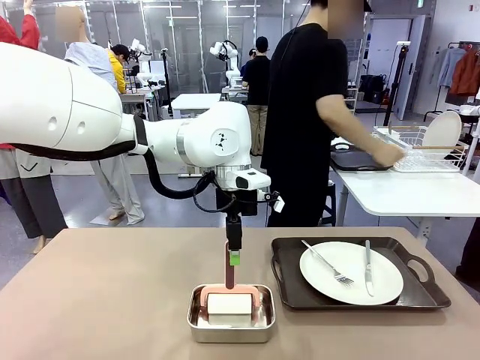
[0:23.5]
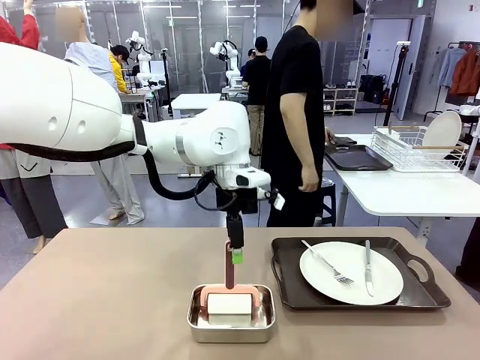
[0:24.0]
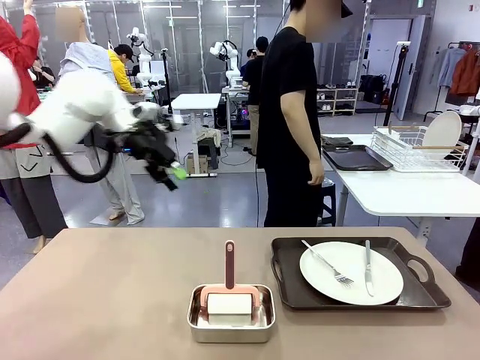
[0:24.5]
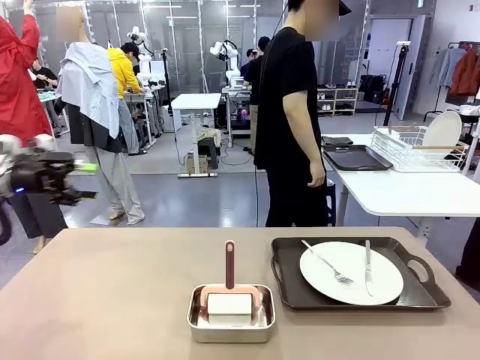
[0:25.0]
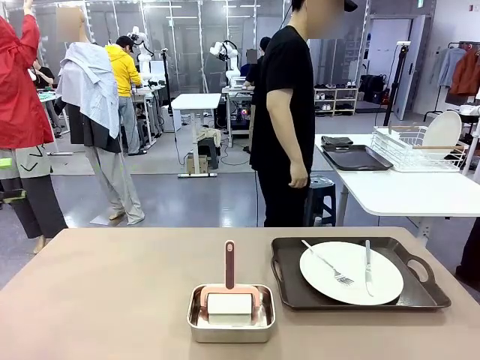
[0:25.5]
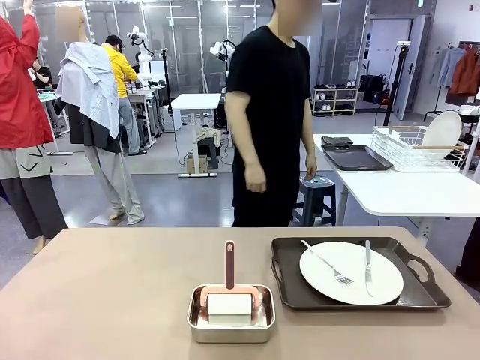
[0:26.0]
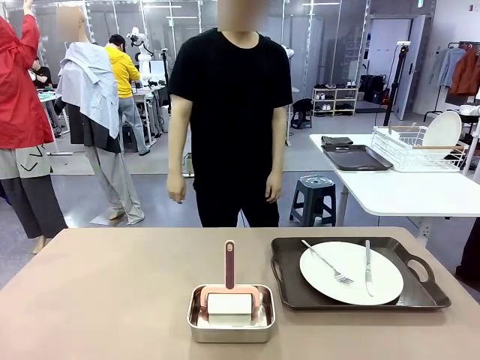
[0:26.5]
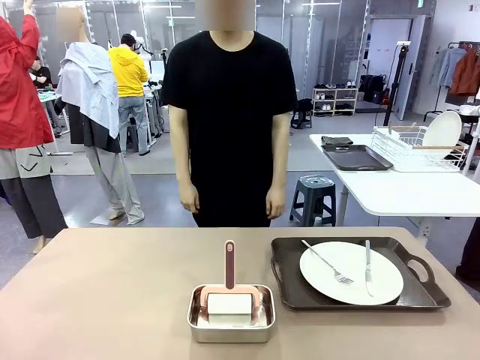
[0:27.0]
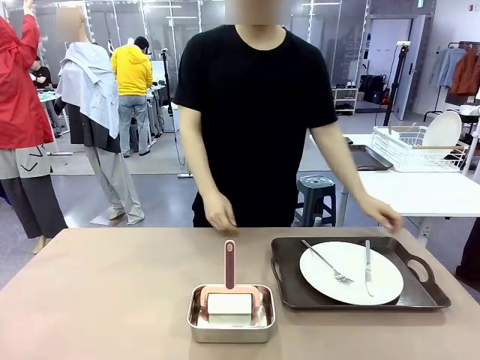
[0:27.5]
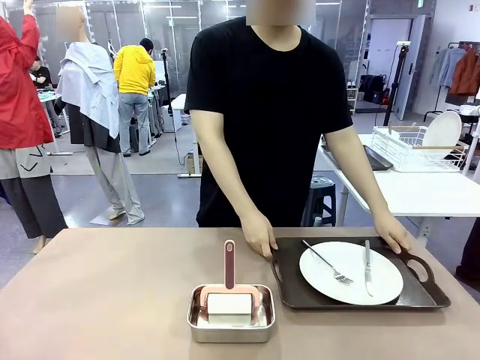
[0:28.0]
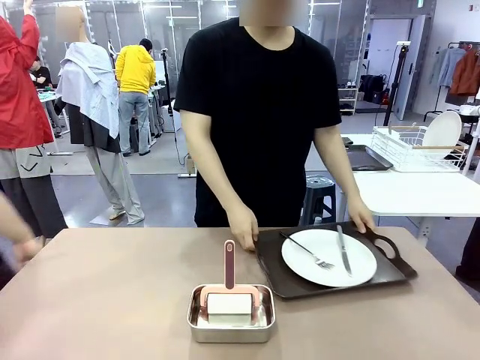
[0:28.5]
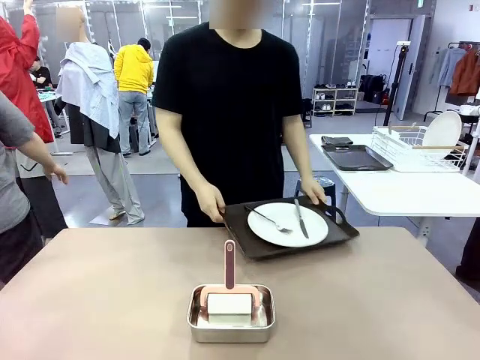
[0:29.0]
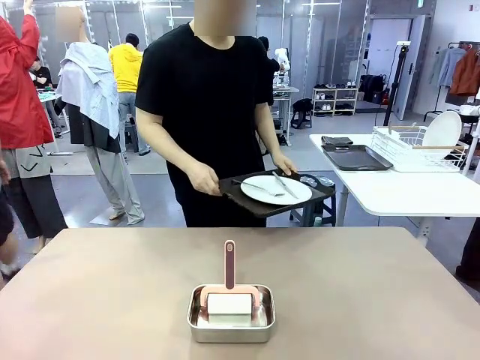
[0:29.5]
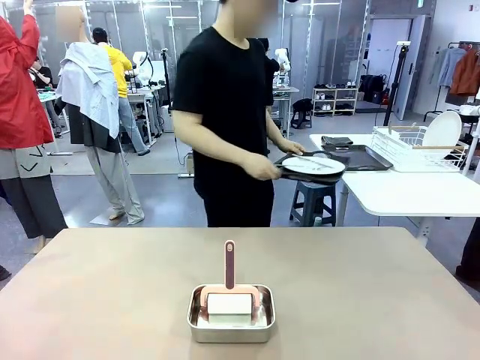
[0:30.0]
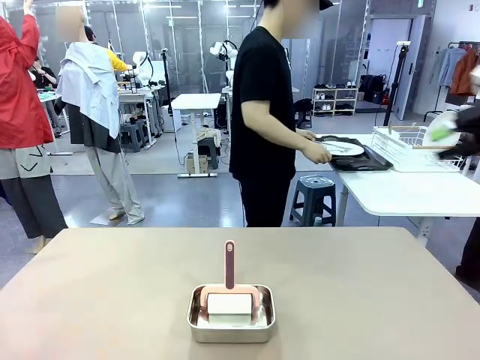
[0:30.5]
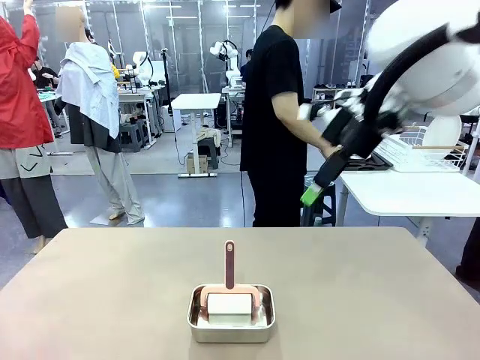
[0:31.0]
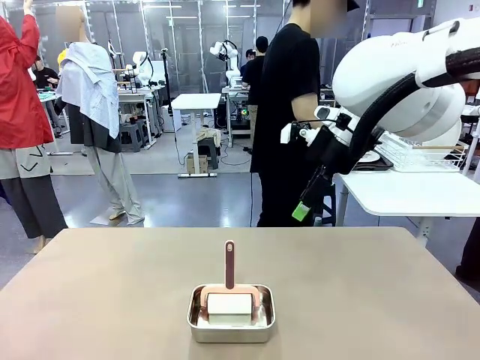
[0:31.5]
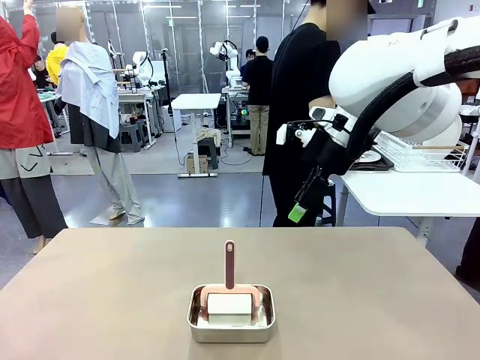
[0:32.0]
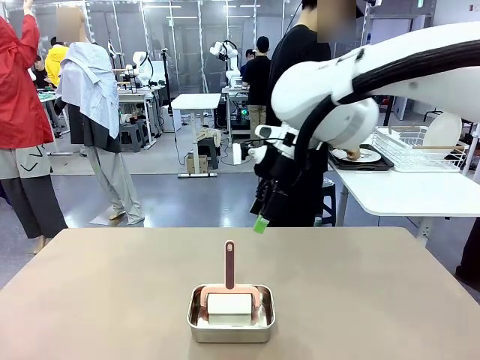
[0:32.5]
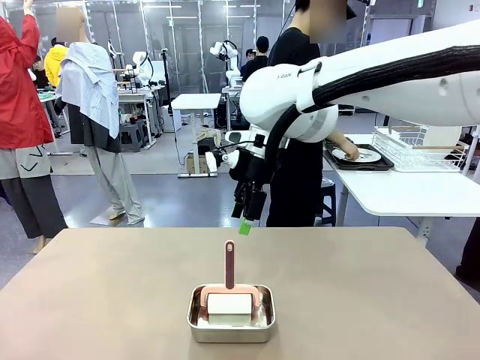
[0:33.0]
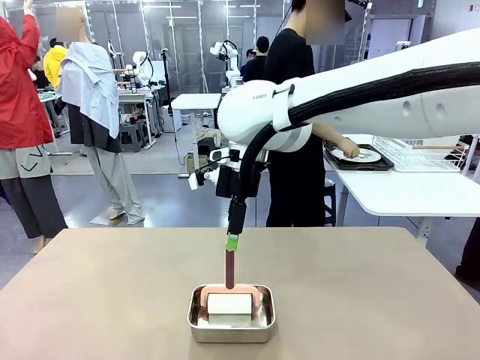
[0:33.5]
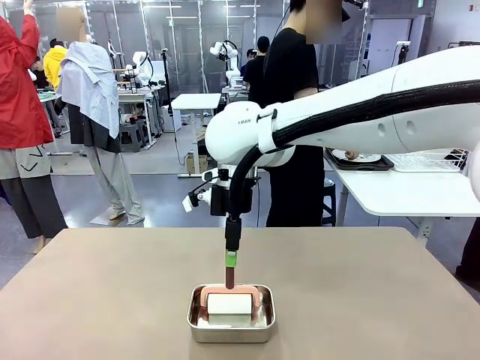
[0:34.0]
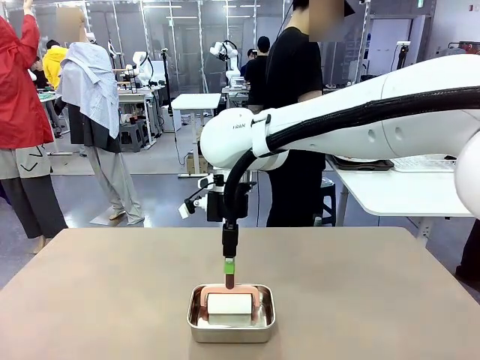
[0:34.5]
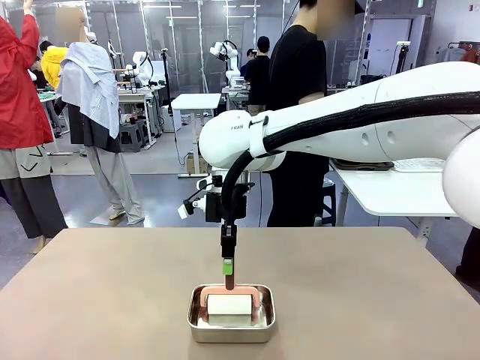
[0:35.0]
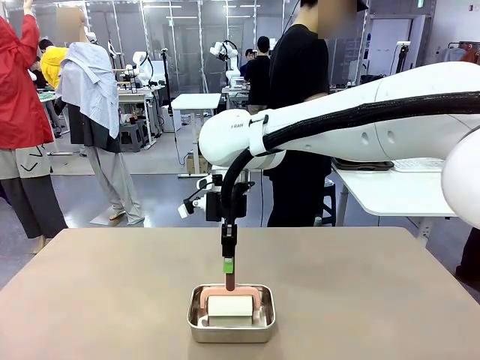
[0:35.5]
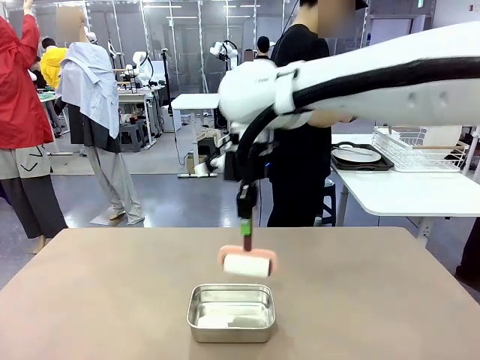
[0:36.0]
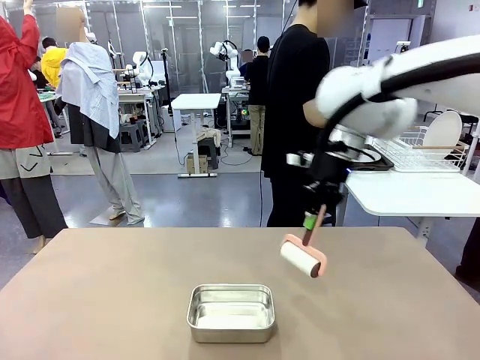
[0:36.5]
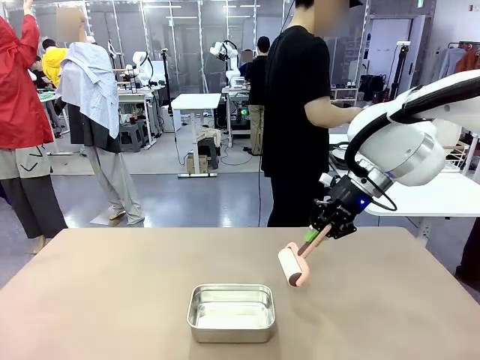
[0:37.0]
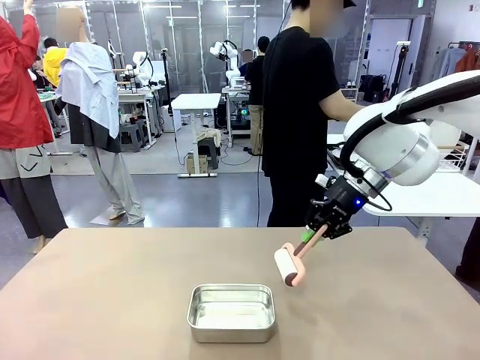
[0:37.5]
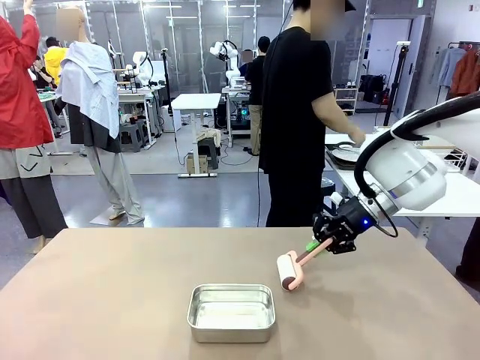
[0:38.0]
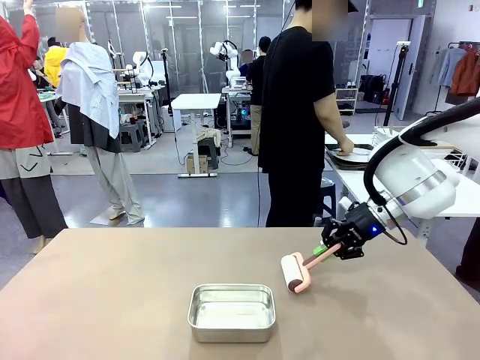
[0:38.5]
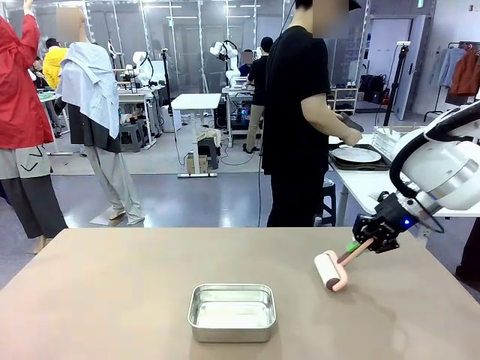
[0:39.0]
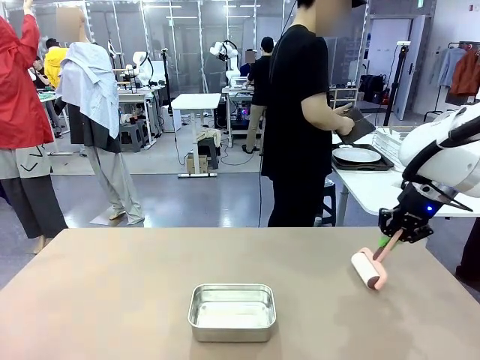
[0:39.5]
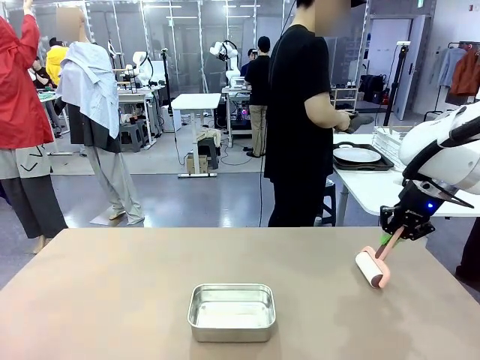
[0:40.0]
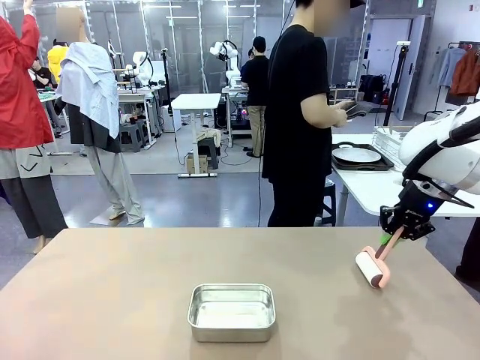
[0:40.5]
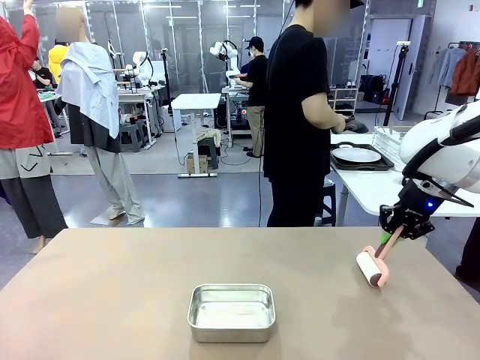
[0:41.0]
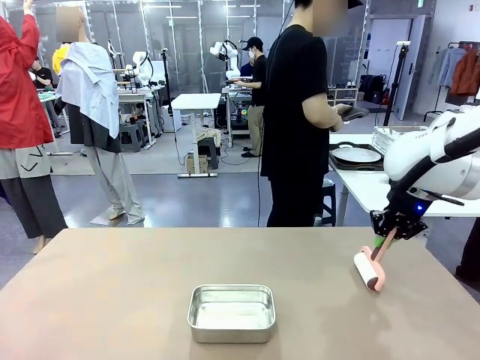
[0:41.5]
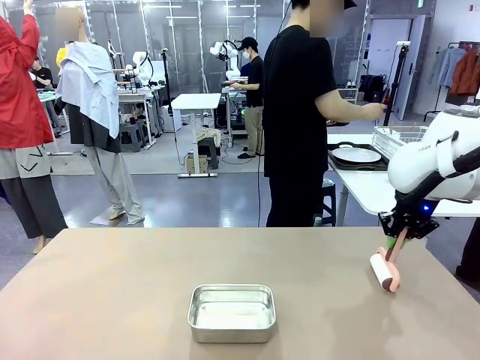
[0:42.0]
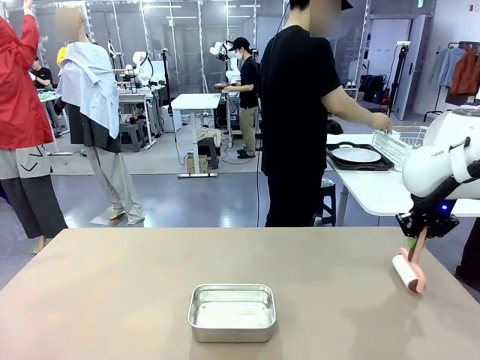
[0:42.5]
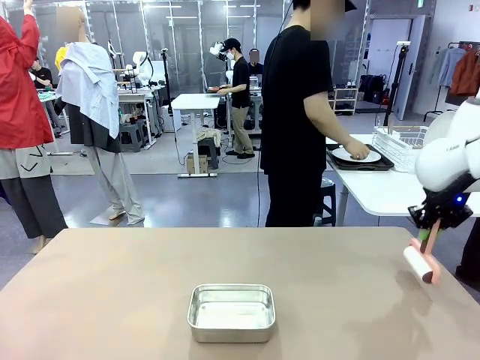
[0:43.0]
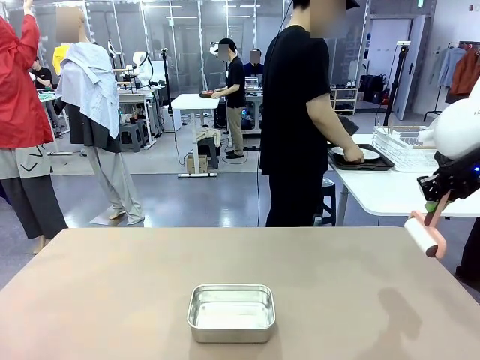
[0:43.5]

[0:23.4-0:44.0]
Robot: When the right (or left) Handle tray is removed, use the right hand (or left hand) to clean the right (or left) side of the table with the Lint Roller.
Person: Pick up the left (or right) Handle tray and place it on the Handle tray. Use the Towel with hook to wipe the Plastic Matte Plate , Fork , and Knife and place into the Dish drying rack.

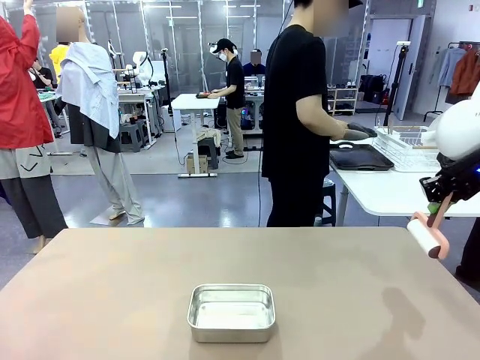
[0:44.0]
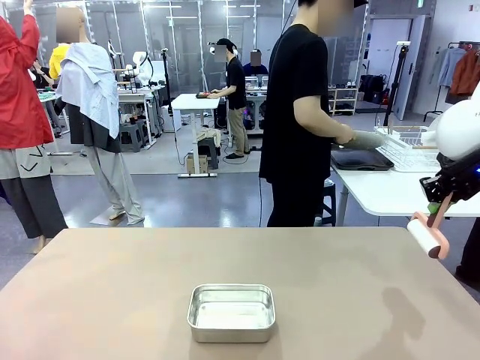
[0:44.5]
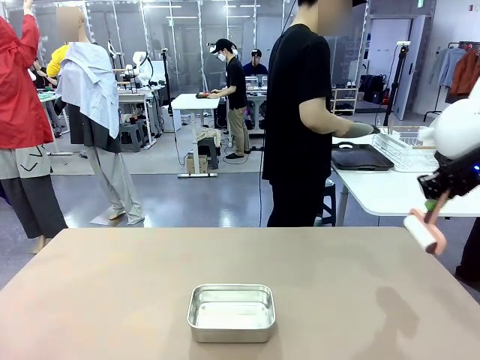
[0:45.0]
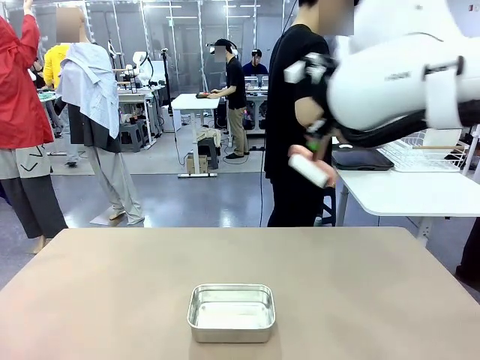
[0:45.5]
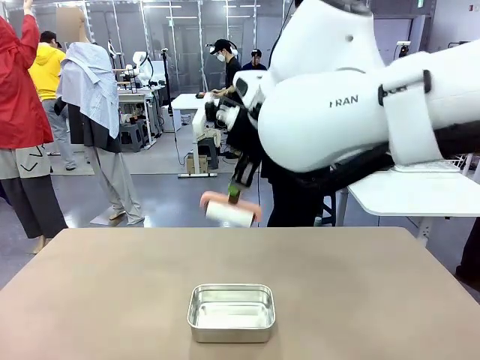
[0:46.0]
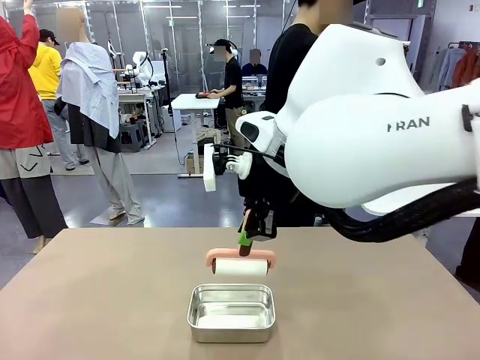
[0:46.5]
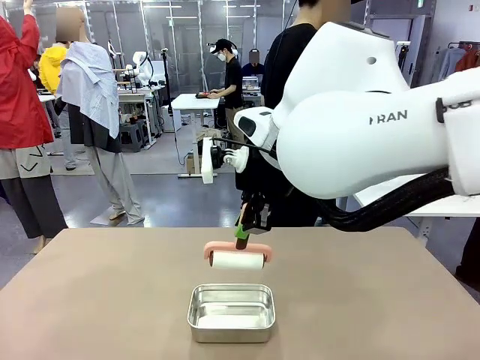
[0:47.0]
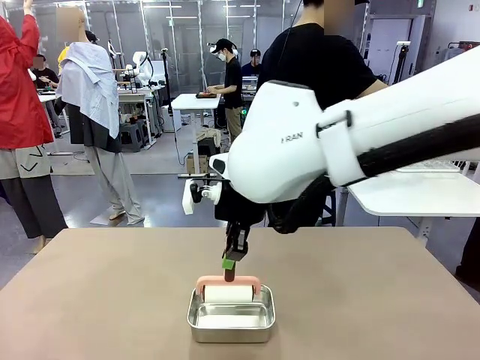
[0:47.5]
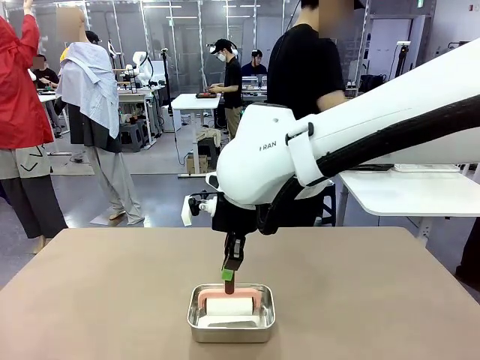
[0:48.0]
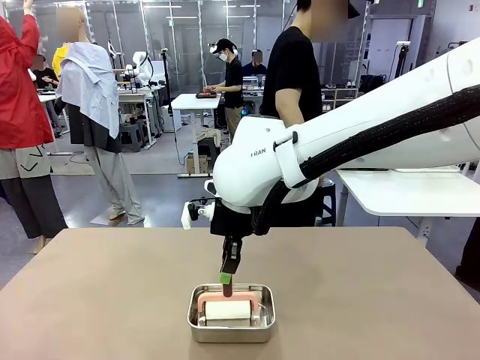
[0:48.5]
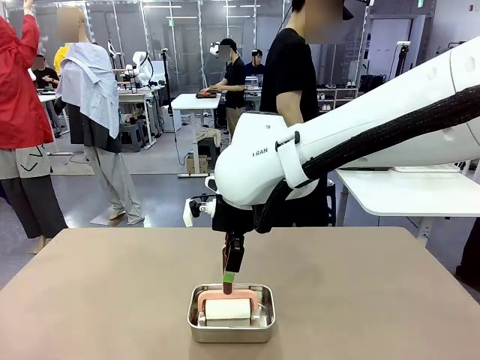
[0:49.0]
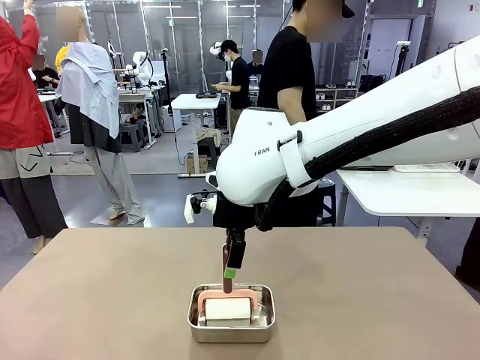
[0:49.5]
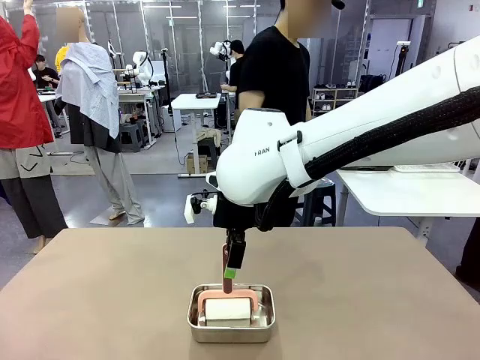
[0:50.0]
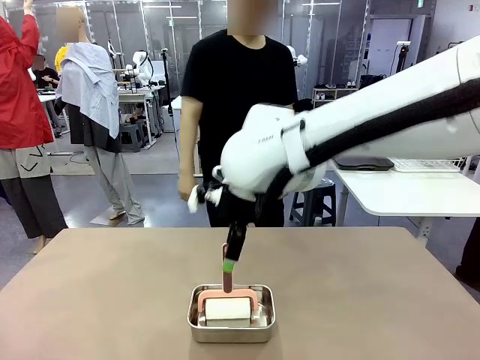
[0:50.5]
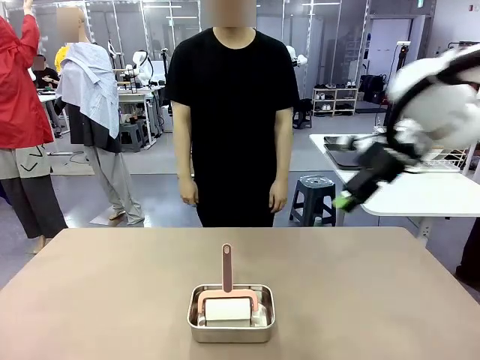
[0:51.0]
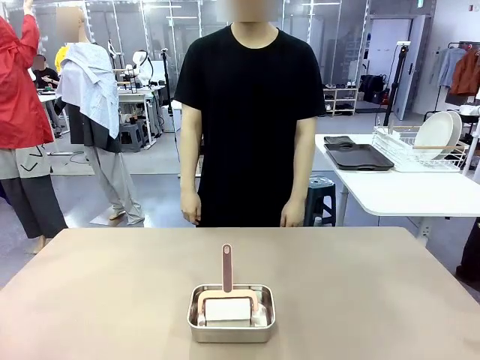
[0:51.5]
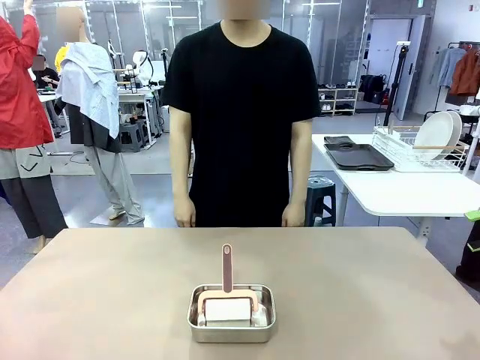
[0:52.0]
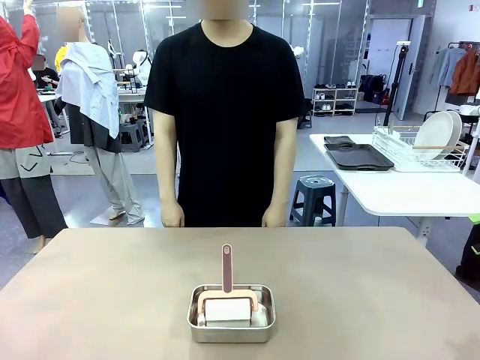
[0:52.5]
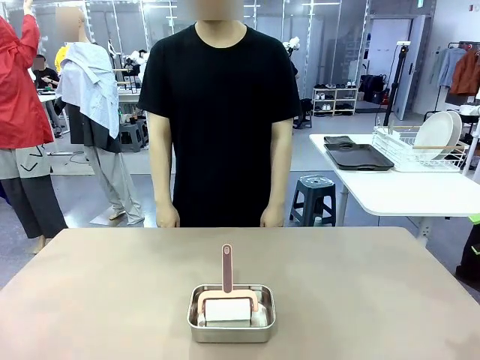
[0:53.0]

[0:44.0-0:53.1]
Robot: Place the Lint Roller back on top of the Airtight Container.
